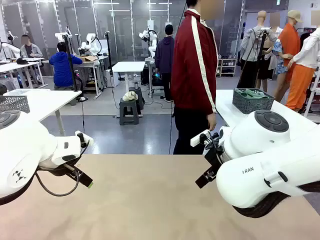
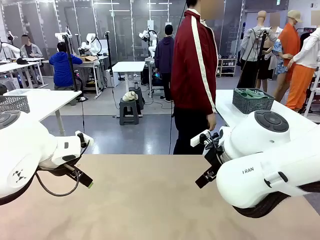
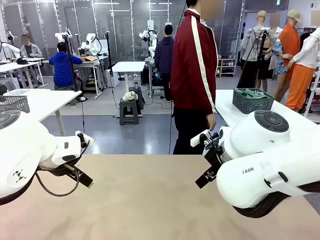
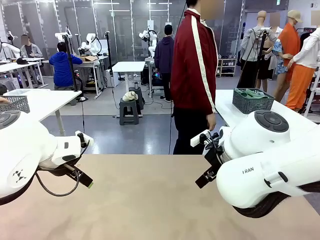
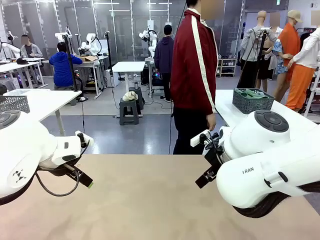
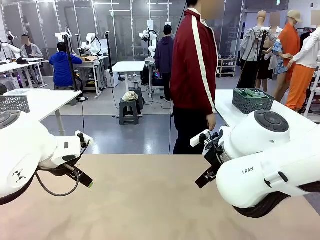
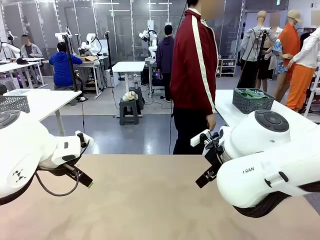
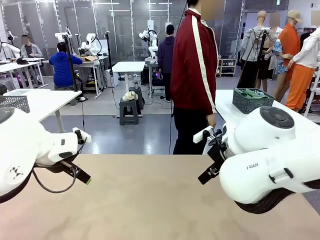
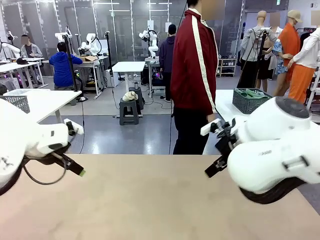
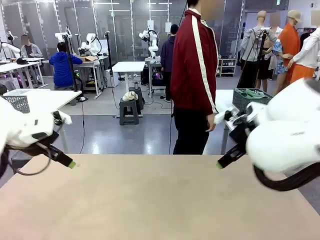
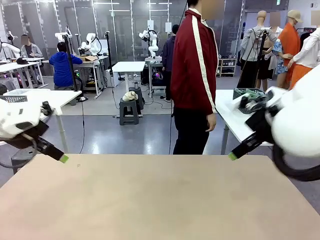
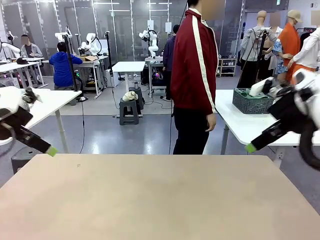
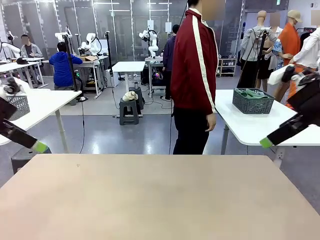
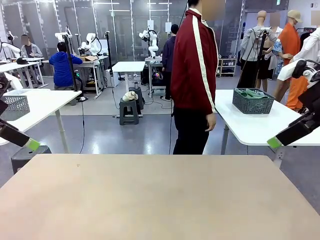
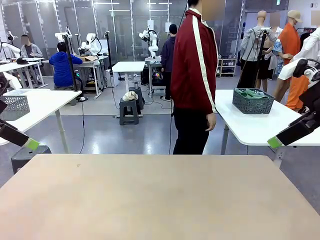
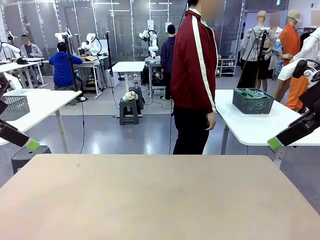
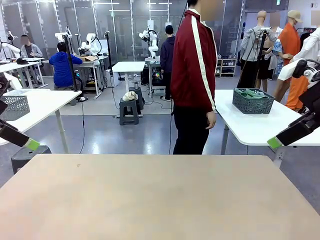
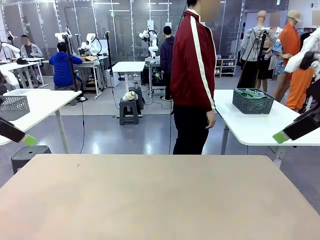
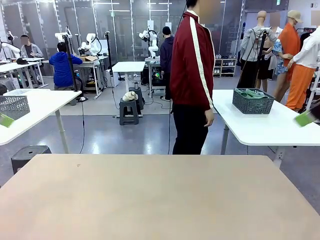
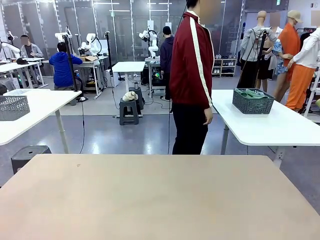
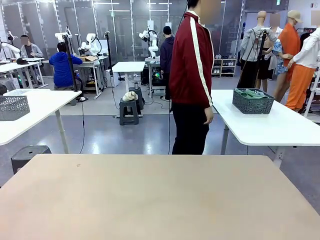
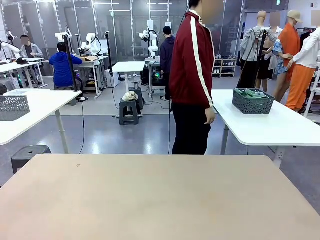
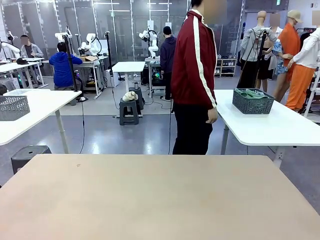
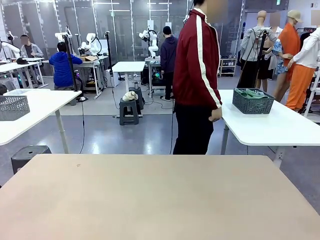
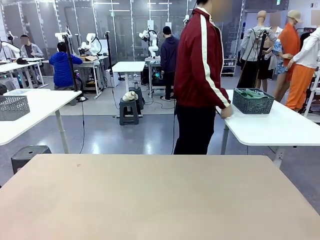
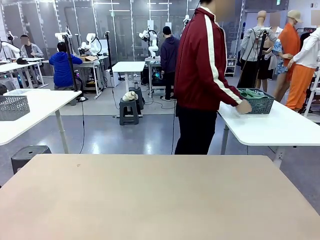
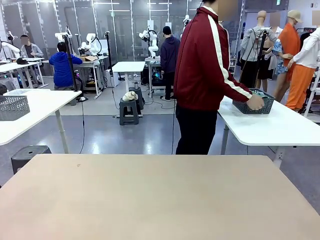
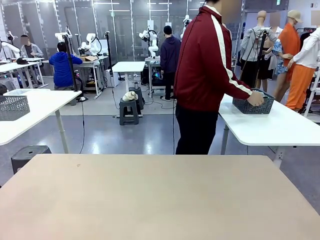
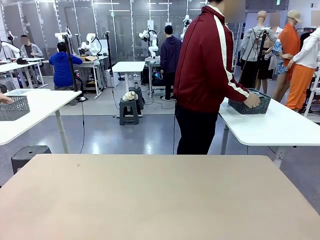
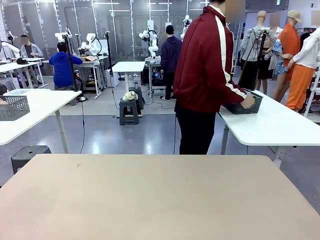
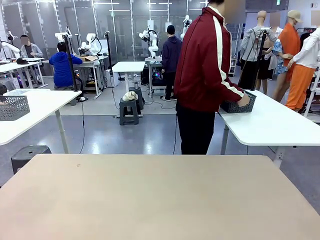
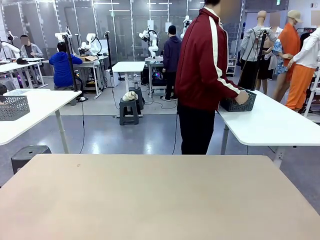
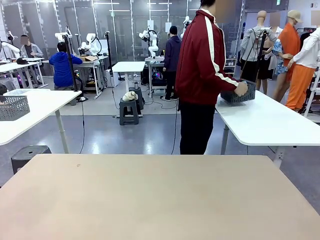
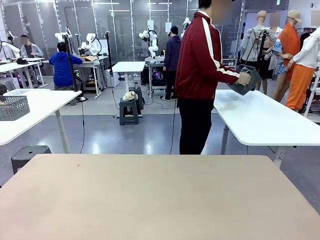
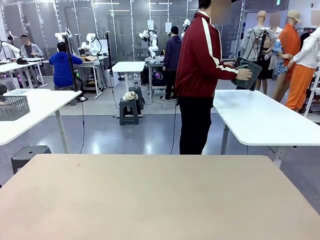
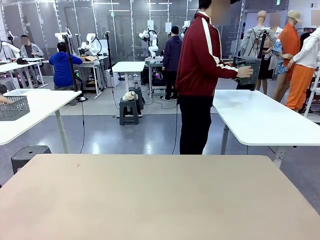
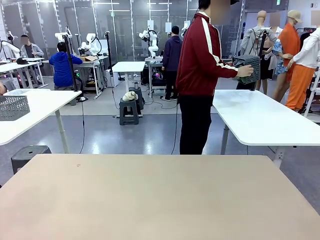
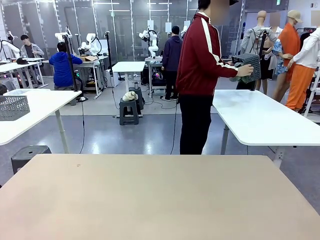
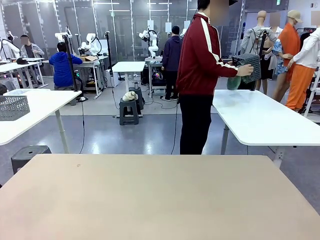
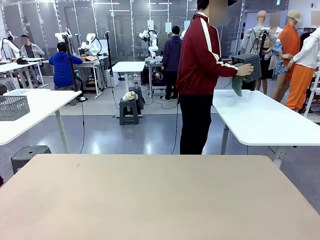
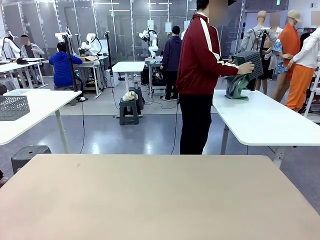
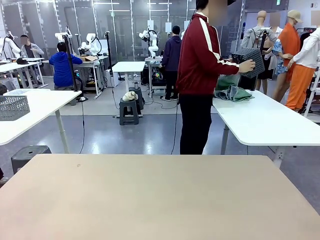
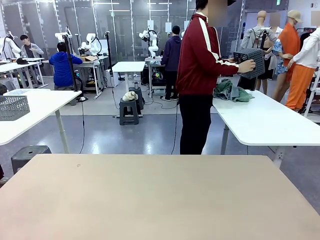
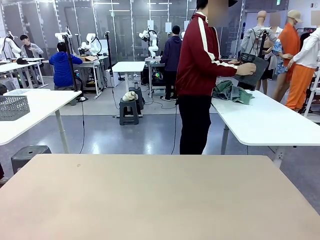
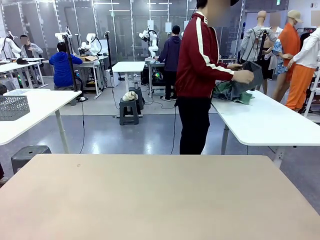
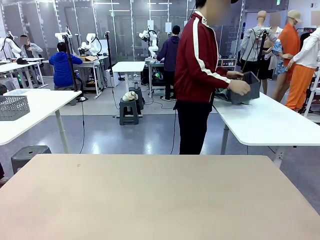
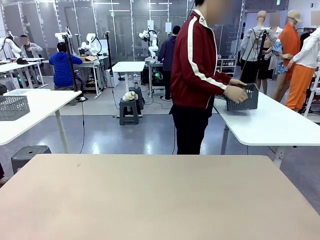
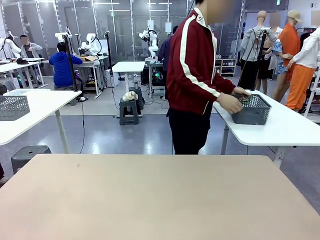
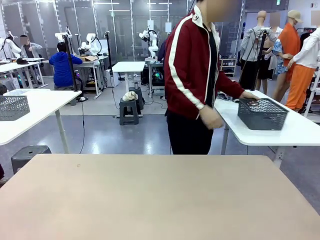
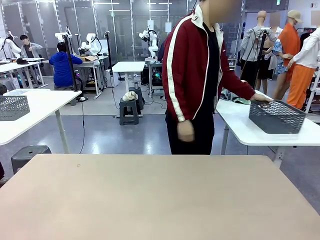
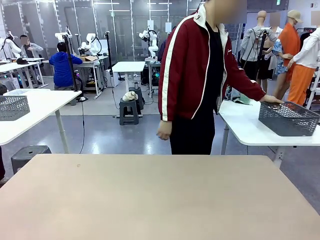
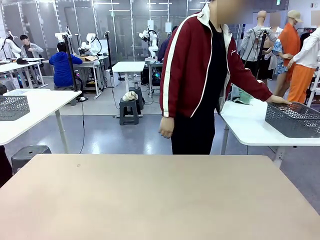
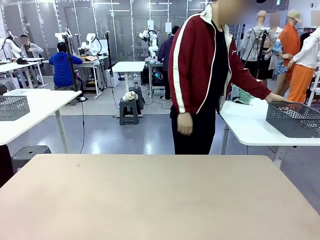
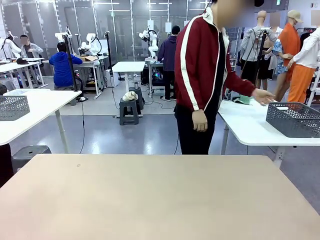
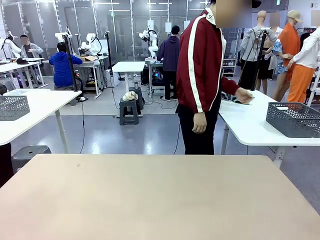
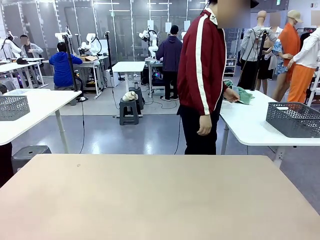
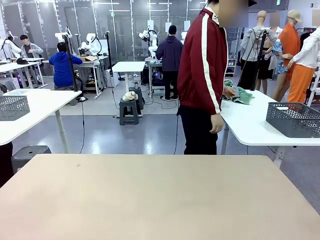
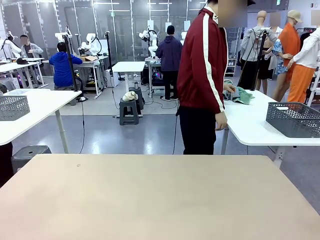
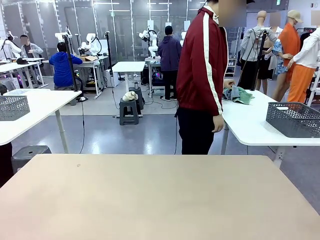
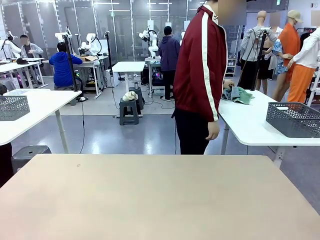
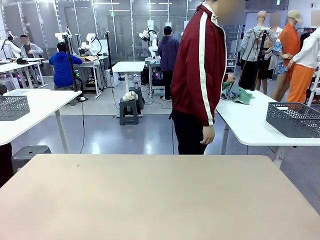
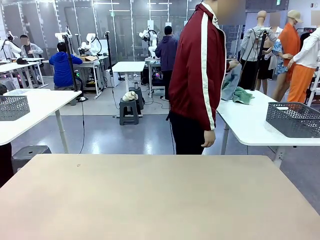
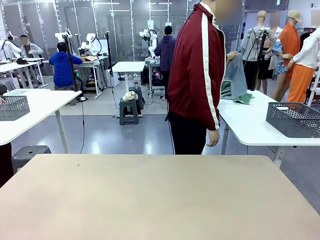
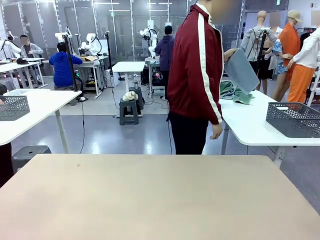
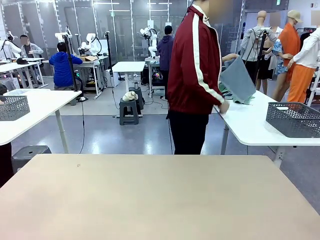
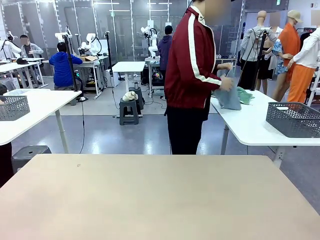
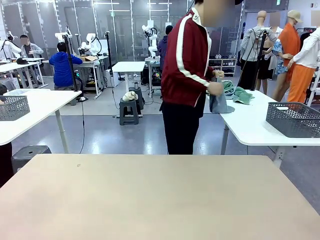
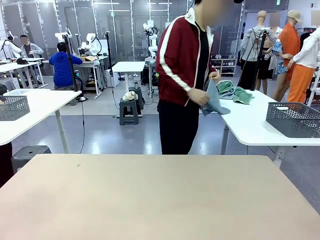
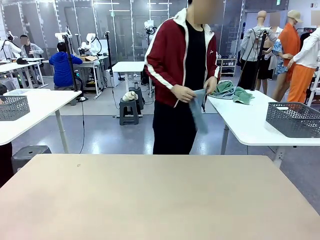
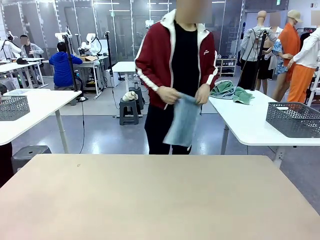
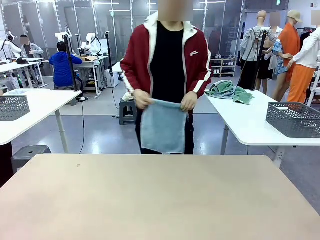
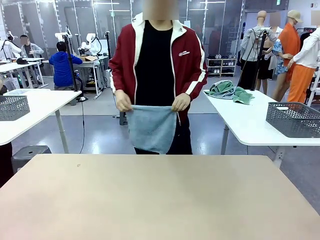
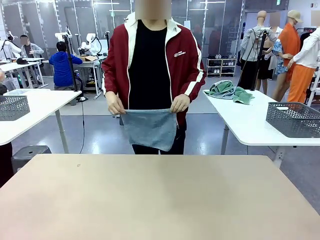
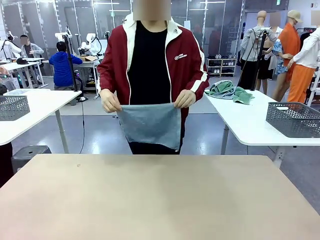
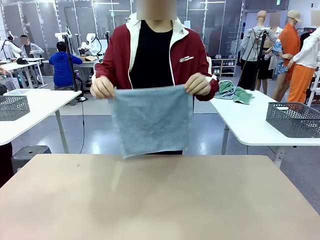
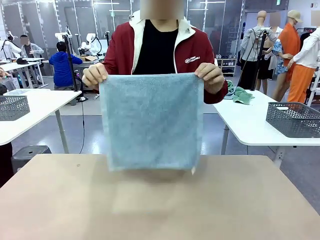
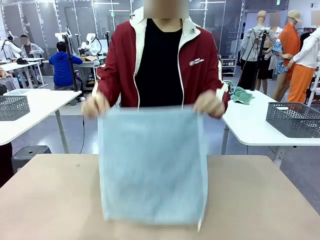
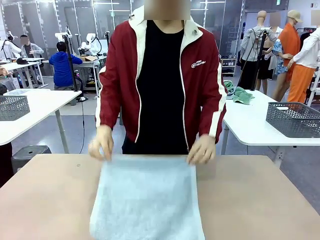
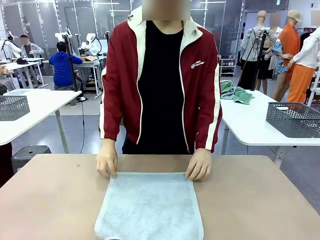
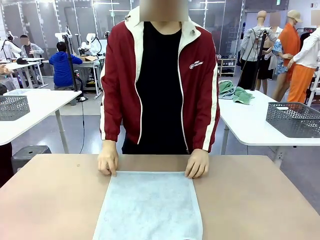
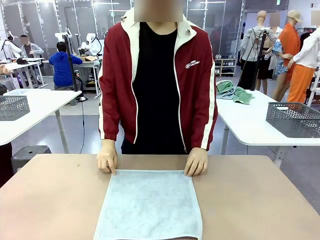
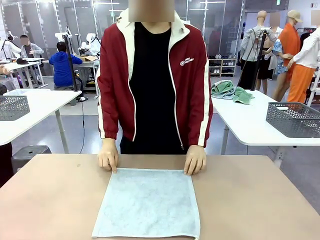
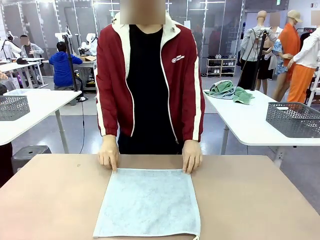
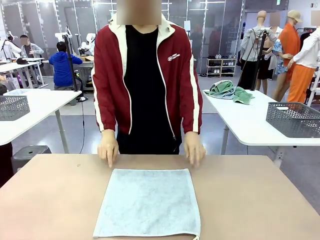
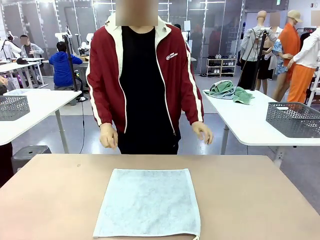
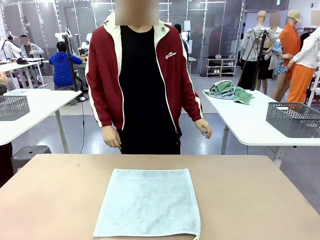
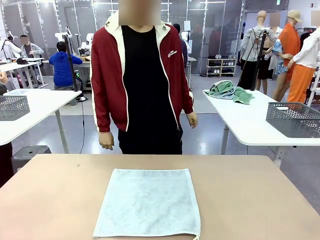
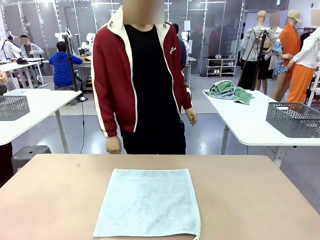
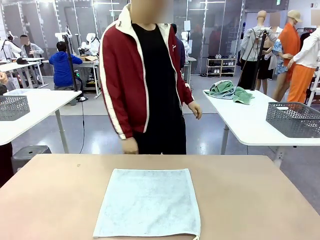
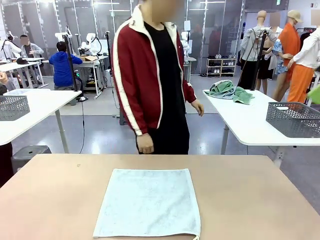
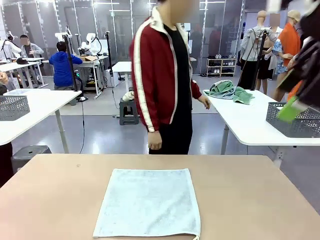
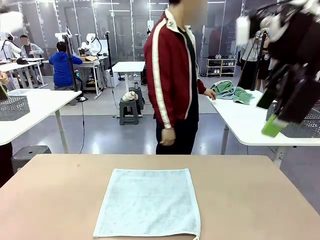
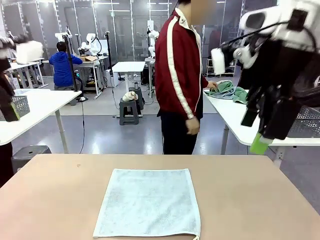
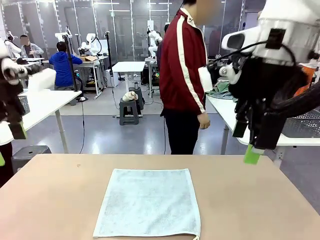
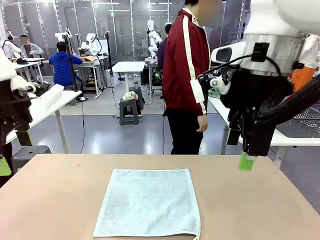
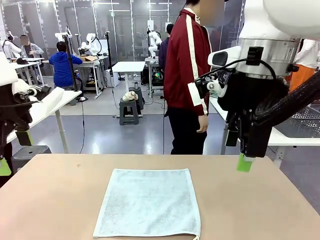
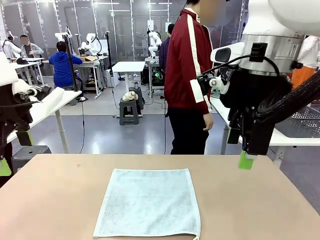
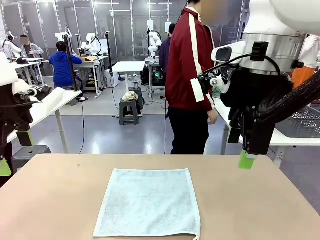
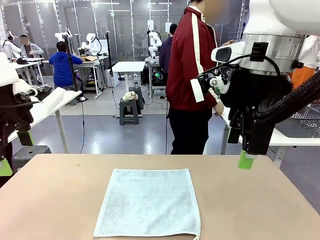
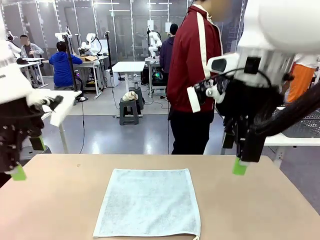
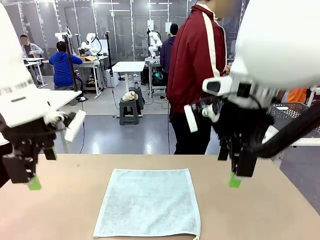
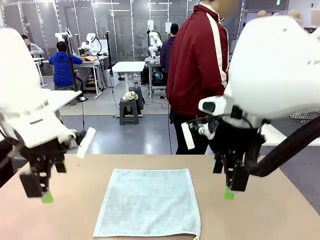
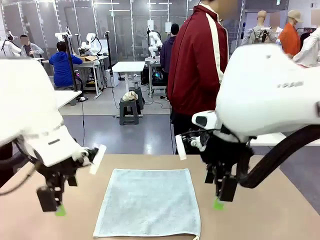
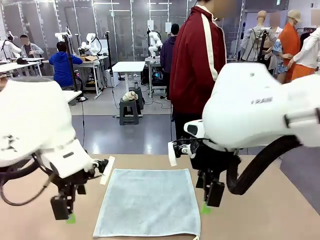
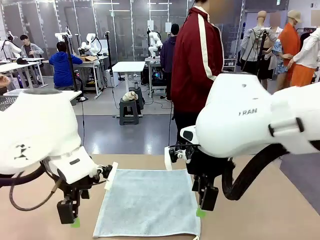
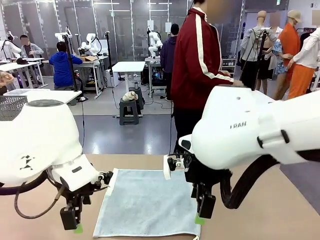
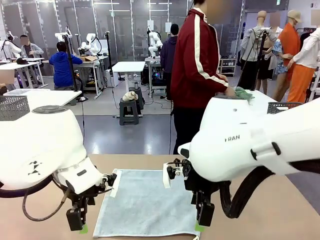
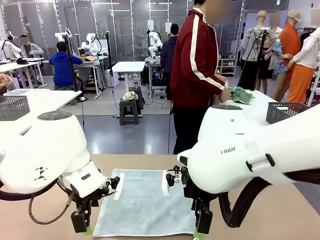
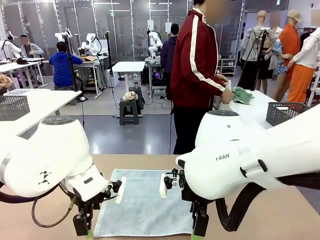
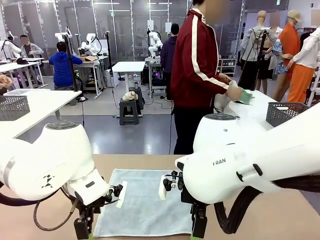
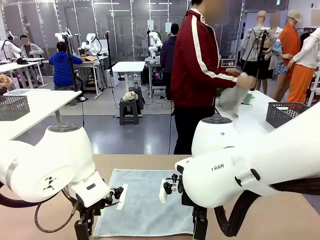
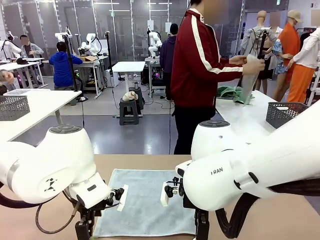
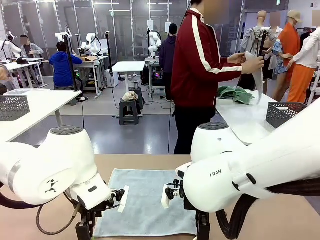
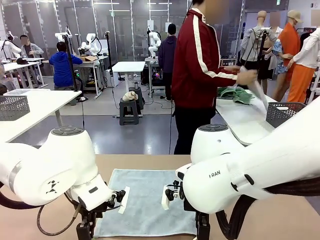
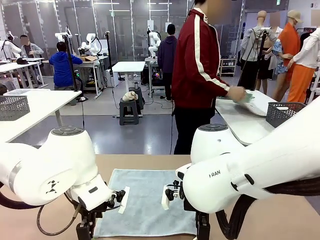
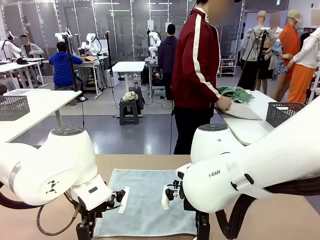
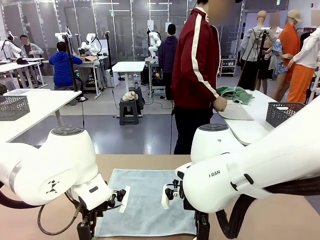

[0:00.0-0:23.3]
Task: Fold the towels and place them in the basket.
Robot: When a person lays out a Towel with hook on the table, fold it in half twice.
Person: Pick up the basket, pour the towels onto the left side of the human table, and place the basket on the right side. Pick up one towel and spread it out at the center of the robot table.
